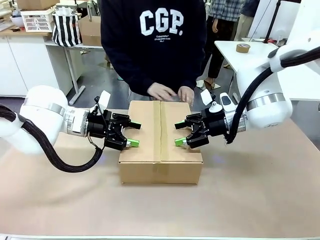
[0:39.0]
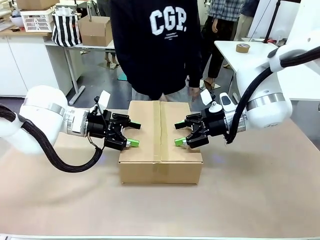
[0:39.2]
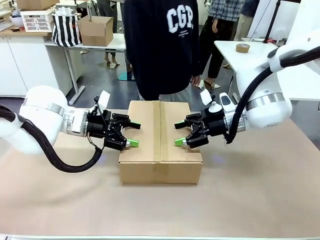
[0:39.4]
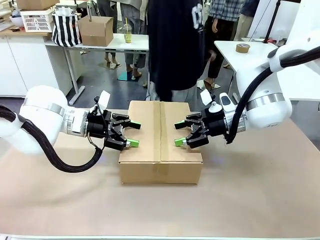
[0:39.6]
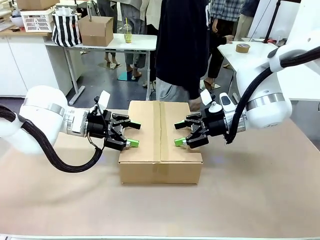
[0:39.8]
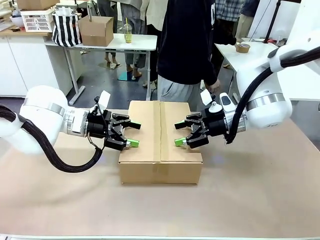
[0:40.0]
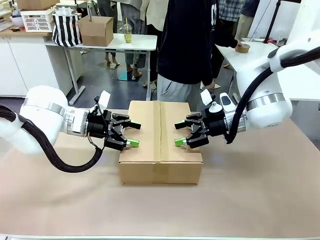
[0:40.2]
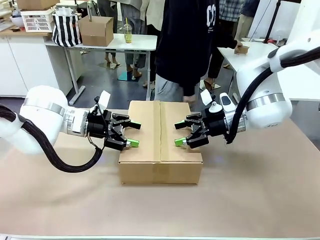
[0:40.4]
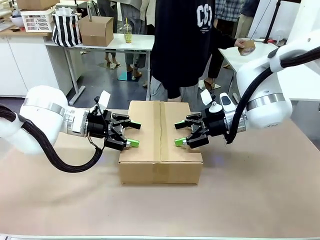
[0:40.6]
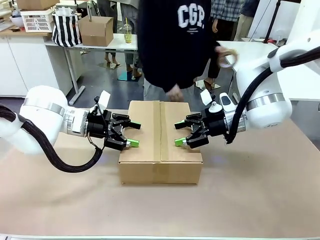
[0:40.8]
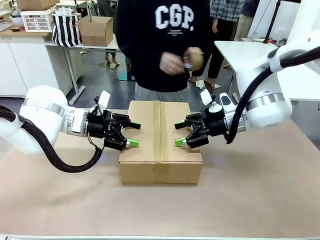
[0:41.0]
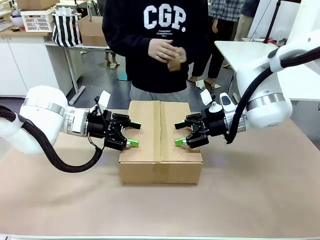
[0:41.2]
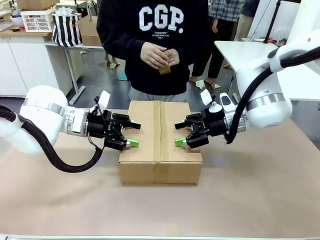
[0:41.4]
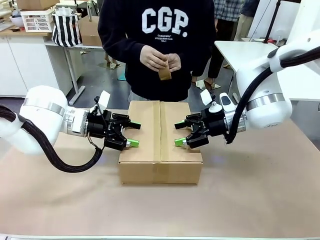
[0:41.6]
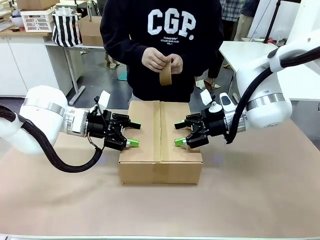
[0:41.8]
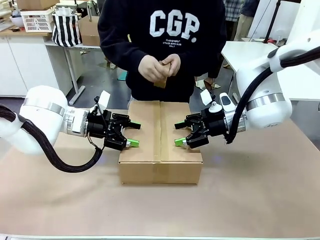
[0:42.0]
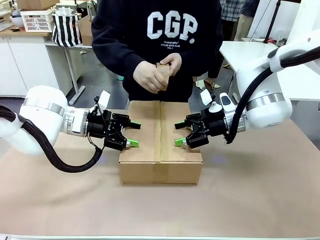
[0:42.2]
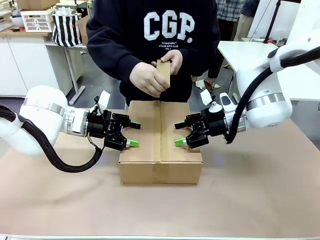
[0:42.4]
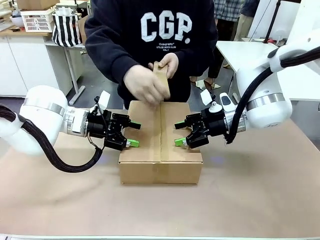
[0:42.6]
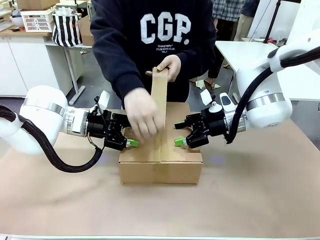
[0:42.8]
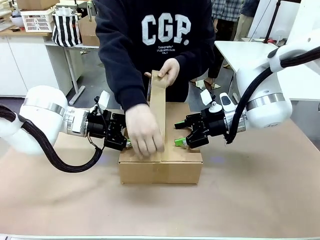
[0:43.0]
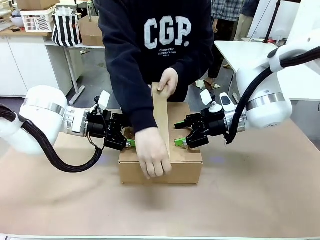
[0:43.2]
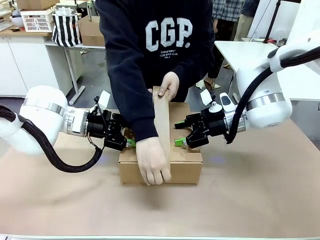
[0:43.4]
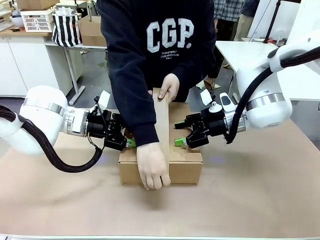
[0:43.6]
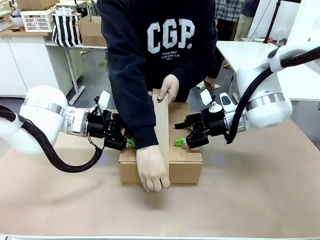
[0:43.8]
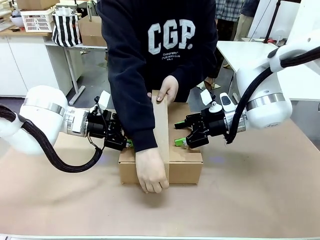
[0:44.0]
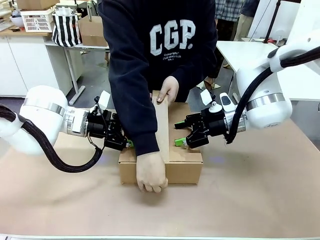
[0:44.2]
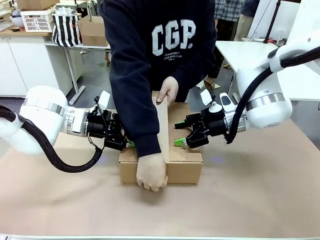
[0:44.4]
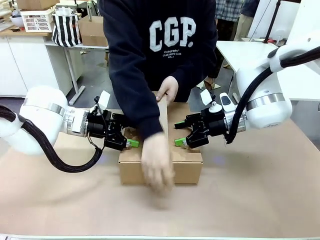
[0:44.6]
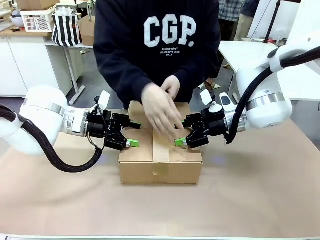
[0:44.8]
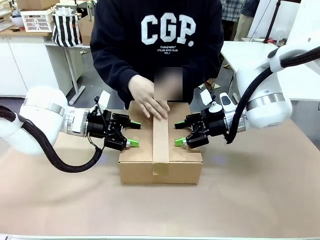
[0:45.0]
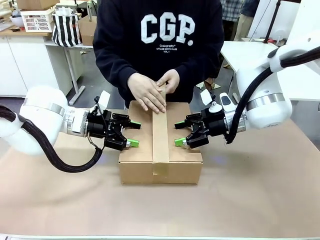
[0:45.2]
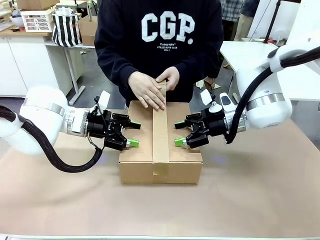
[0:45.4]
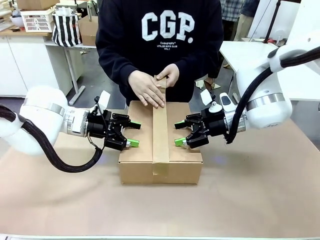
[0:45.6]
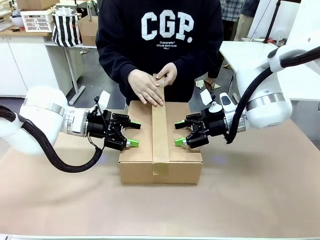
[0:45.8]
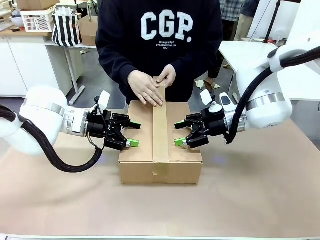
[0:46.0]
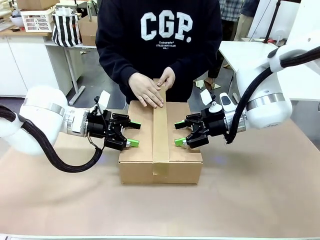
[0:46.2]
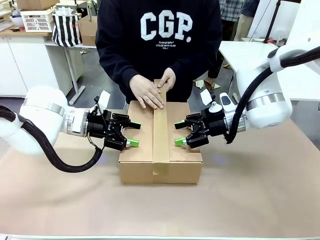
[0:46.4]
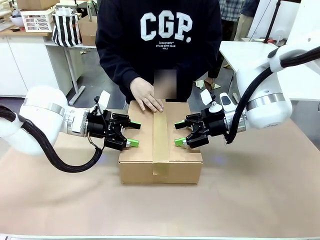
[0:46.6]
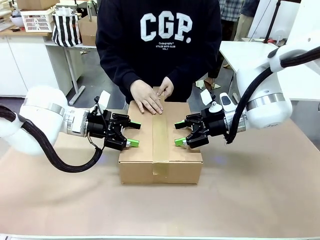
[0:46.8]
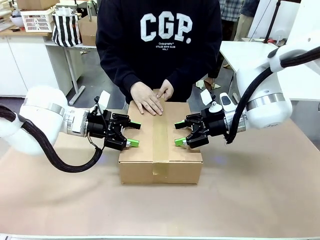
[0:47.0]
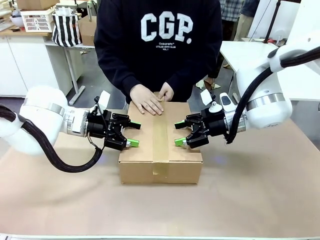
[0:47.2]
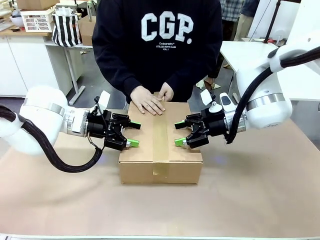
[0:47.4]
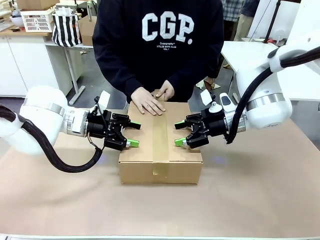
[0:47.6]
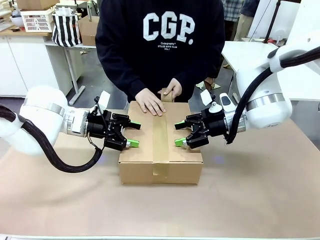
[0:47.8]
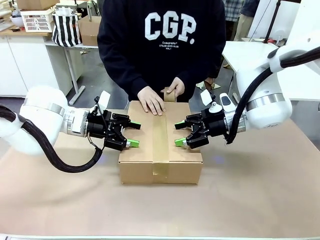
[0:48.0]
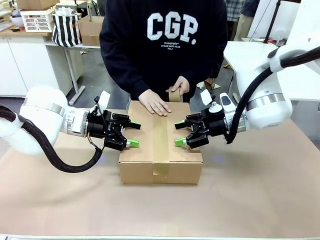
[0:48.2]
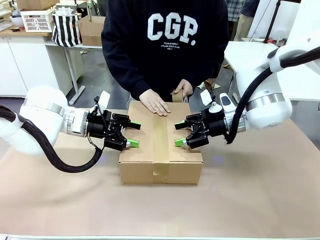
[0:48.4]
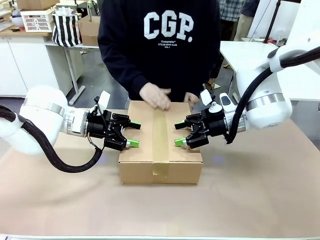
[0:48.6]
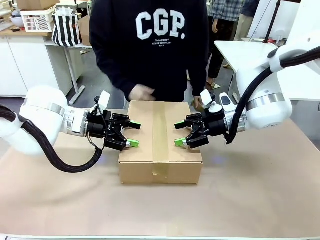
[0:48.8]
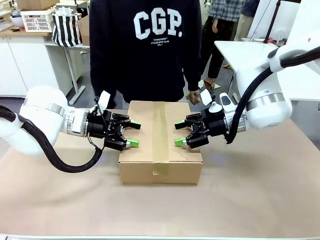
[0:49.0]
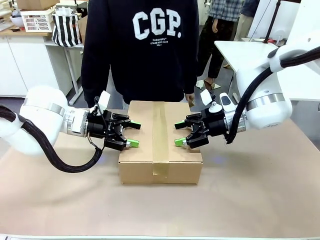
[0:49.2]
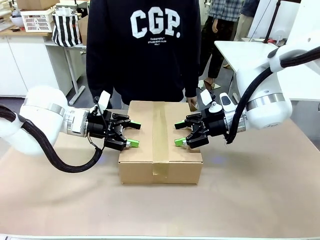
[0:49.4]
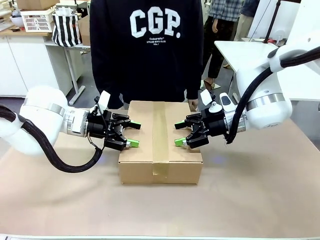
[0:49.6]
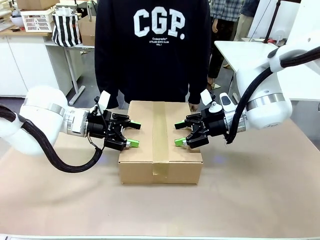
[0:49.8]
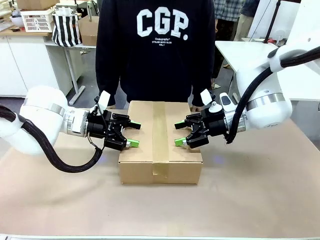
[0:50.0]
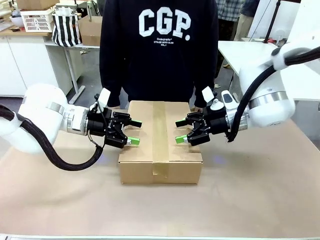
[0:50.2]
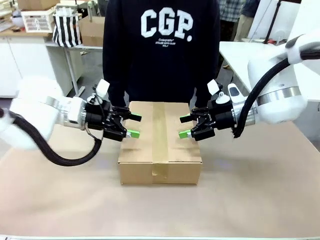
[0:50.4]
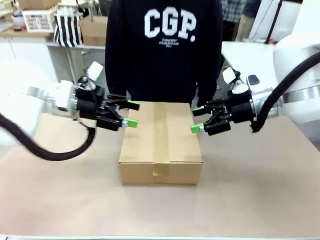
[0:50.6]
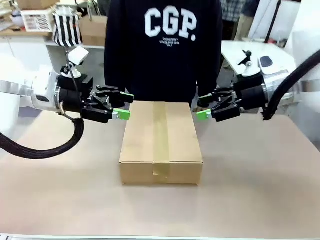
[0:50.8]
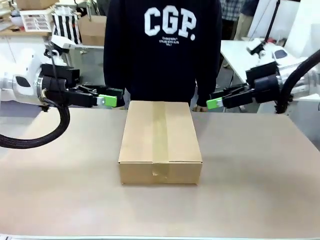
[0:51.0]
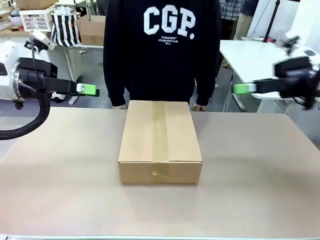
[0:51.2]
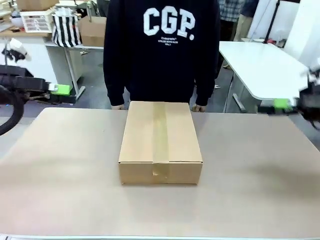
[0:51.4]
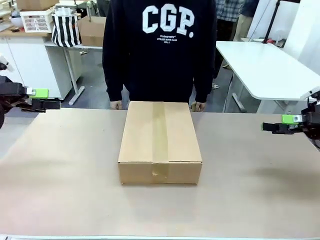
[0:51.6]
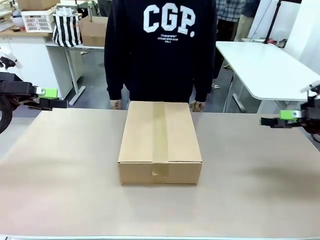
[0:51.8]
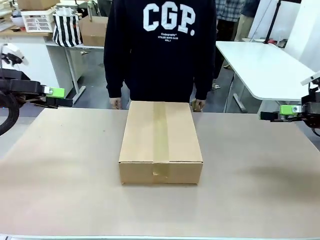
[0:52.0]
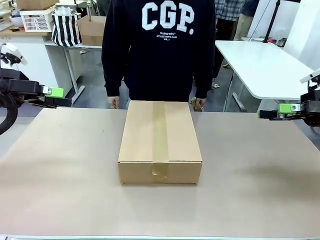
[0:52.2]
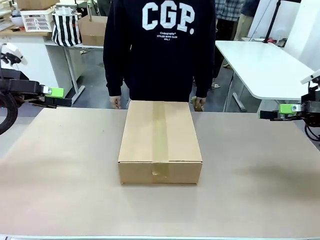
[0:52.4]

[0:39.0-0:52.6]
Task: Pack the gift set into the box.
Robot: Press and hold the closed box until the human finishes sealing it.
Person: The human picks up the paper tape from the human table and packs the box.
